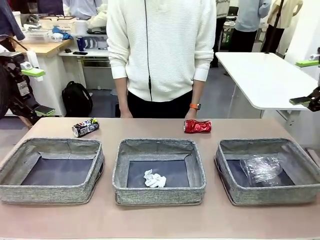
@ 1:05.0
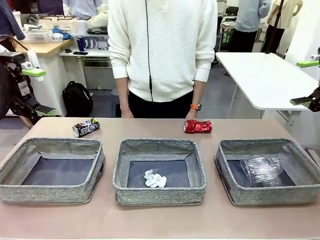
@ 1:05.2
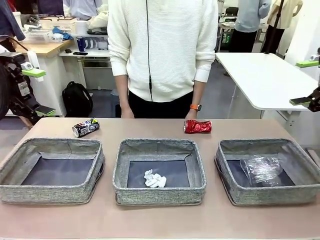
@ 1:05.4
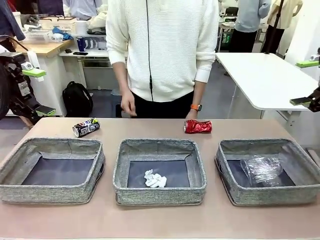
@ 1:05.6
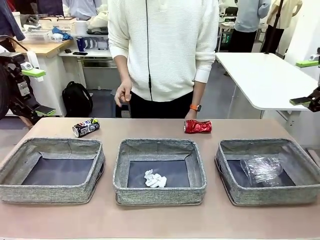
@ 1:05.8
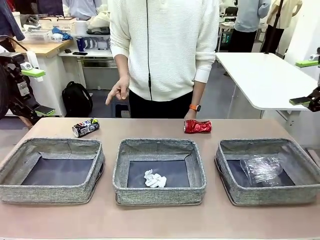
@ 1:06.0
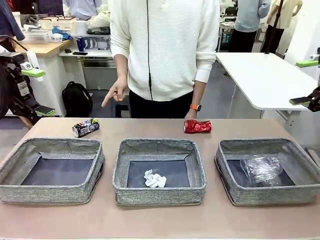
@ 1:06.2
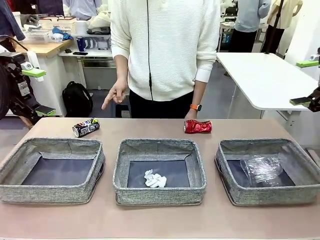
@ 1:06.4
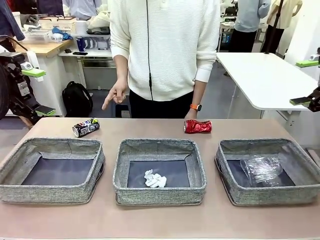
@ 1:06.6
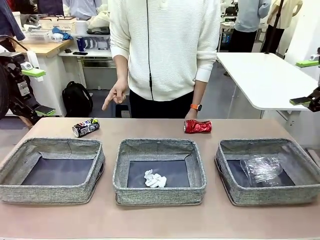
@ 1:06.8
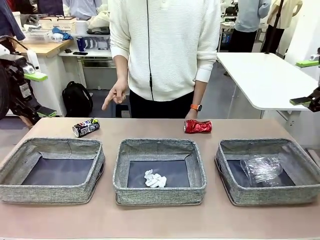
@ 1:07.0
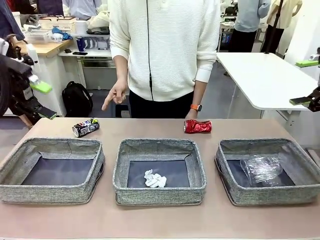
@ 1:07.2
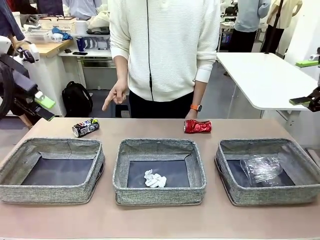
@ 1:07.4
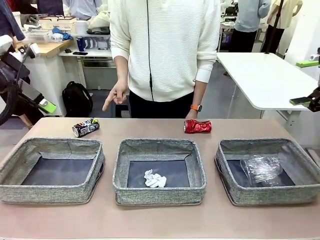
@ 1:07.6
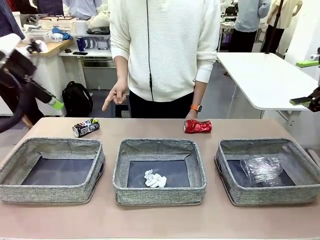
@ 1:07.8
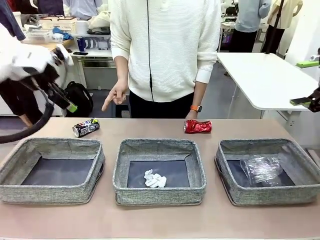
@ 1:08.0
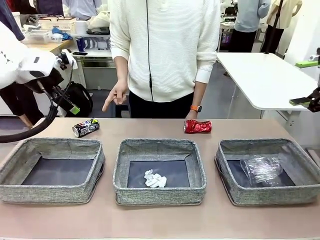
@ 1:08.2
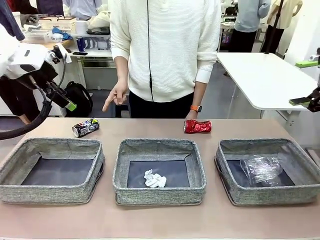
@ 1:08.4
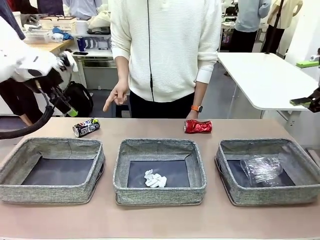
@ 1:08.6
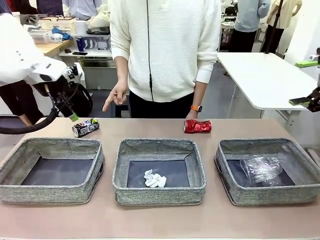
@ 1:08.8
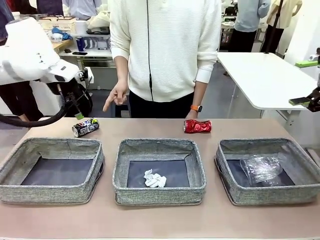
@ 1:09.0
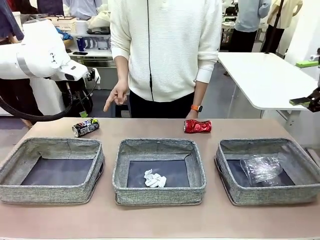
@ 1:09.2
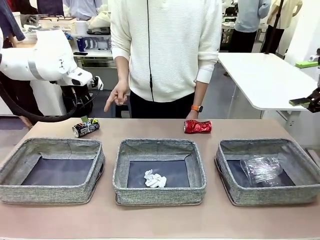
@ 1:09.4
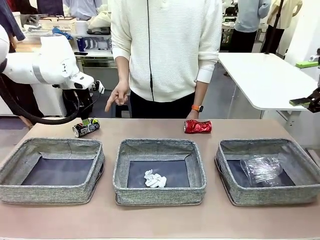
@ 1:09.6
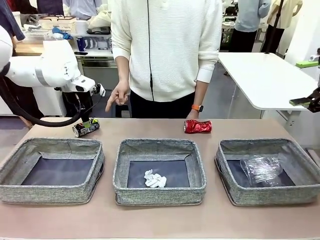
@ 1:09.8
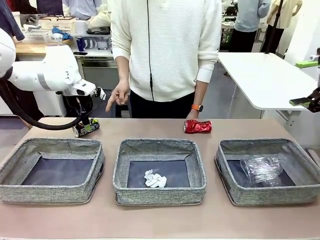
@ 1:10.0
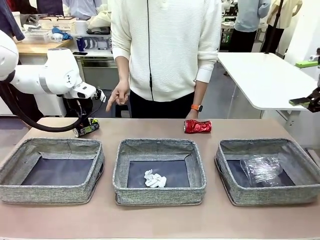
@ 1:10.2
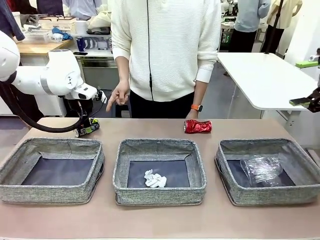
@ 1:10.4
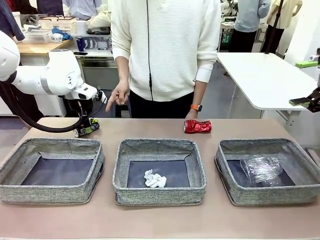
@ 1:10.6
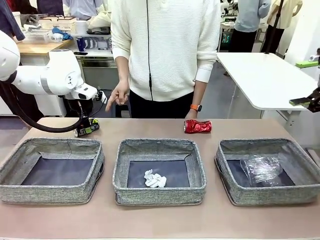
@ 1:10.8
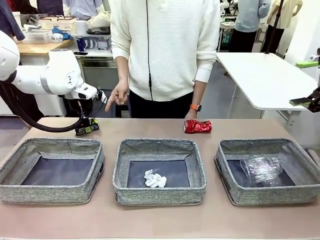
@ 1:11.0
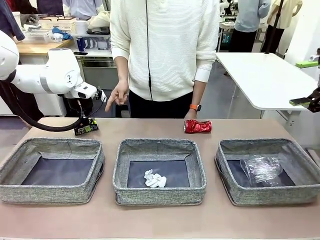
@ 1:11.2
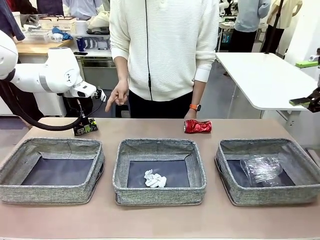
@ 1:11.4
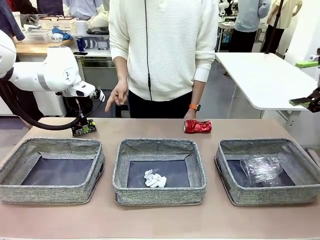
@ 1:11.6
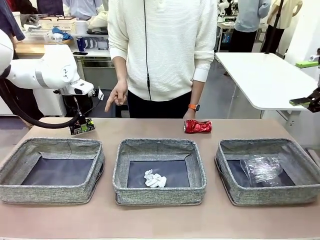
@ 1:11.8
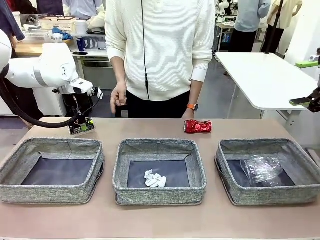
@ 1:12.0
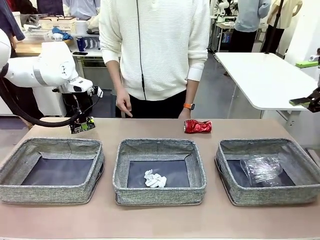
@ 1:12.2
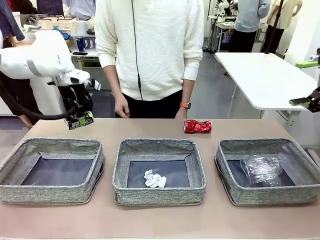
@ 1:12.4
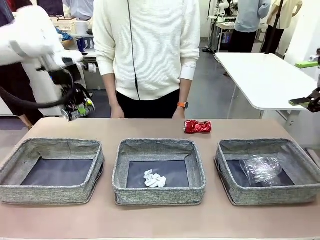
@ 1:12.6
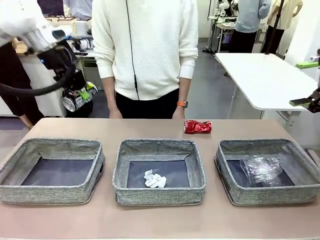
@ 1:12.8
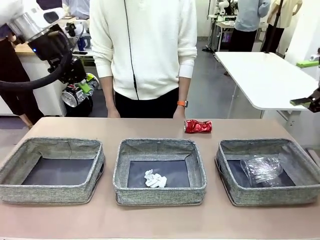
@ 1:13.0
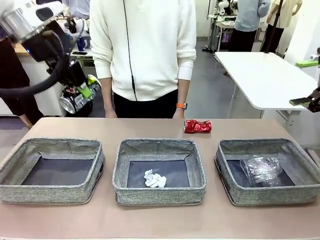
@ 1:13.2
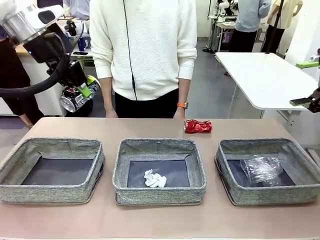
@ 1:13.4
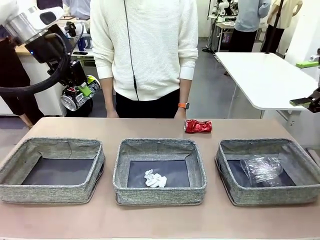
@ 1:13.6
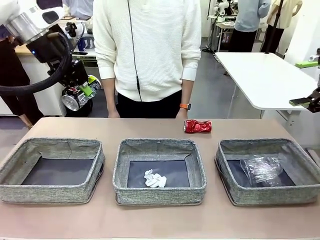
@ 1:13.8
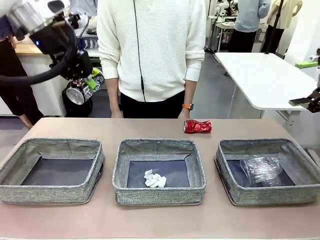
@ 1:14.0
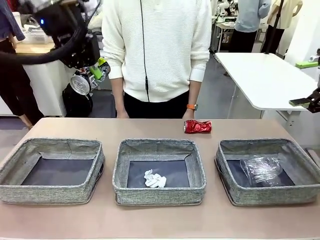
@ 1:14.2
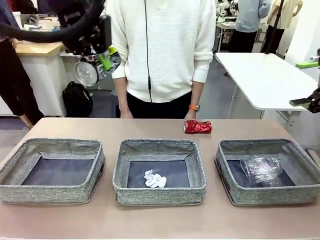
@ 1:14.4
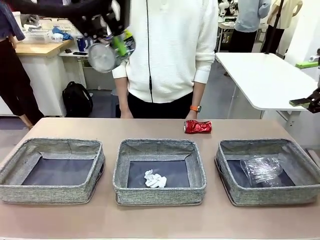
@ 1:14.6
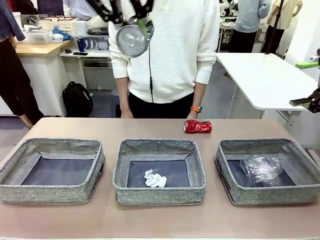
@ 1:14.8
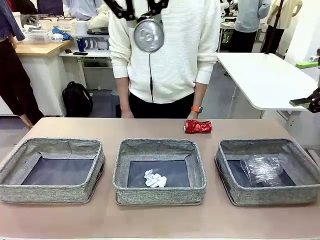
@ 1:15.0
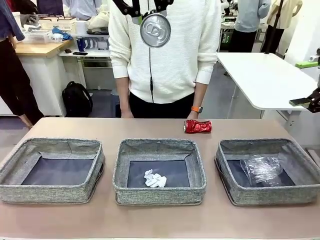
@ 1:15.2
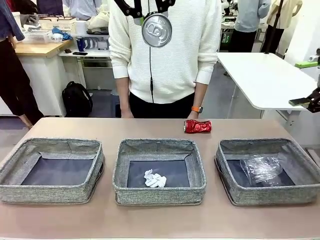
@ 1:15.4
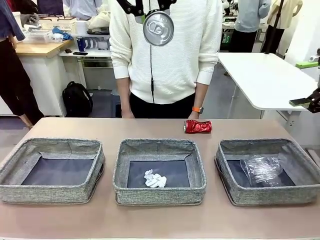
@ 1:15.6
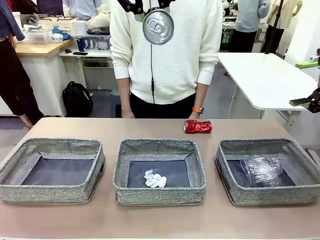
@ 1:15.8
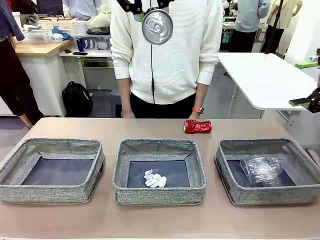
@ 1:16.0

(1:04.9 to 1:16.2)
Task: Sort the waste into the appropriate baskets.
Robot: Pick up the waste item pointed out by the person.
Person: Points to one piece of trash on the table.

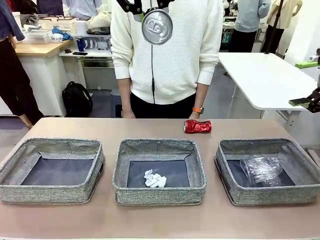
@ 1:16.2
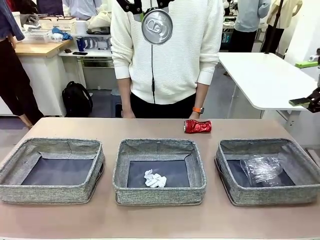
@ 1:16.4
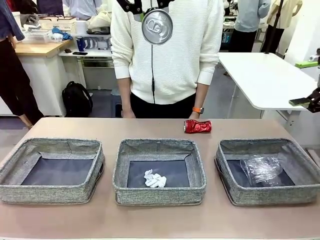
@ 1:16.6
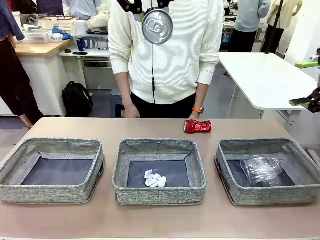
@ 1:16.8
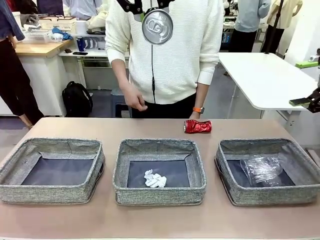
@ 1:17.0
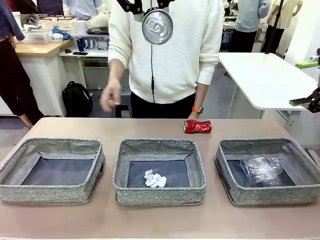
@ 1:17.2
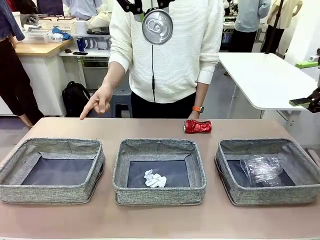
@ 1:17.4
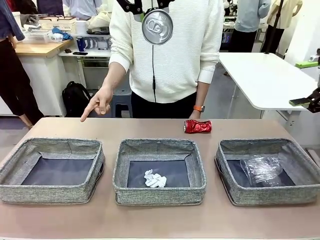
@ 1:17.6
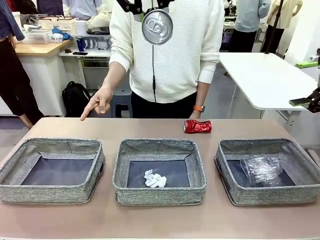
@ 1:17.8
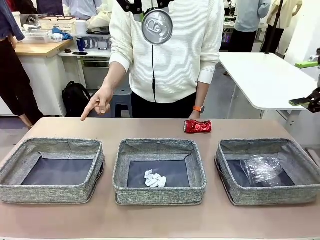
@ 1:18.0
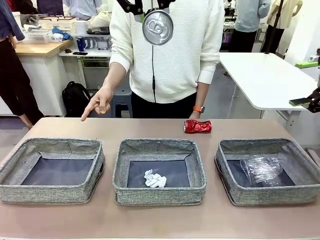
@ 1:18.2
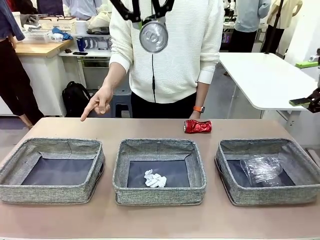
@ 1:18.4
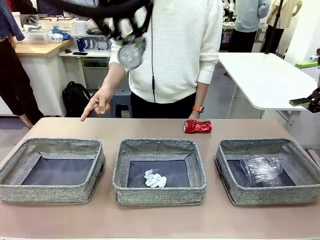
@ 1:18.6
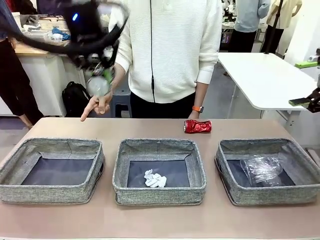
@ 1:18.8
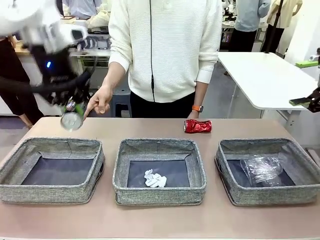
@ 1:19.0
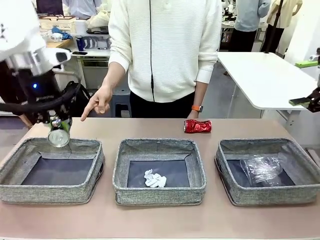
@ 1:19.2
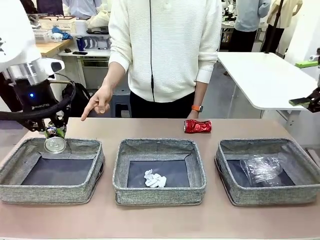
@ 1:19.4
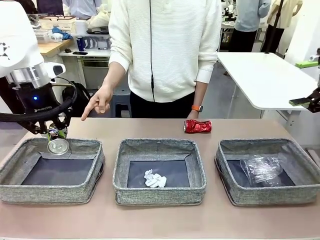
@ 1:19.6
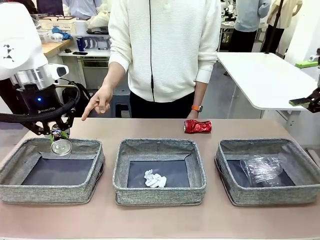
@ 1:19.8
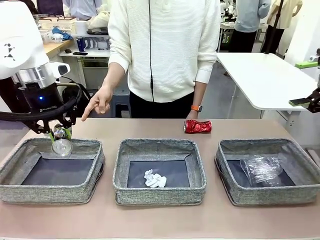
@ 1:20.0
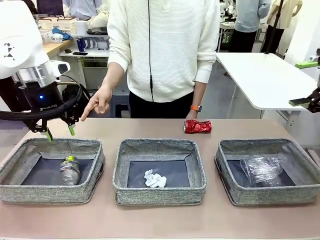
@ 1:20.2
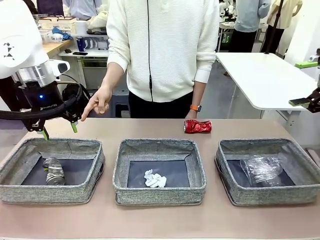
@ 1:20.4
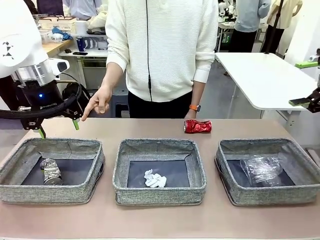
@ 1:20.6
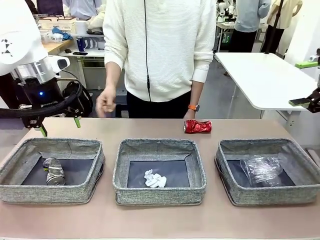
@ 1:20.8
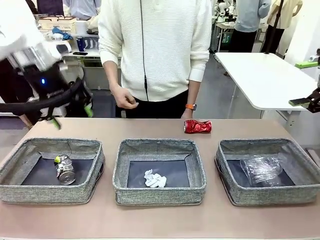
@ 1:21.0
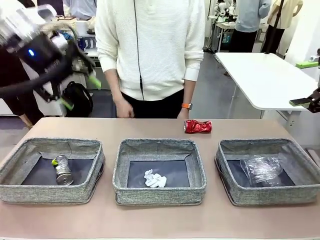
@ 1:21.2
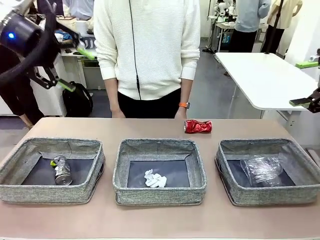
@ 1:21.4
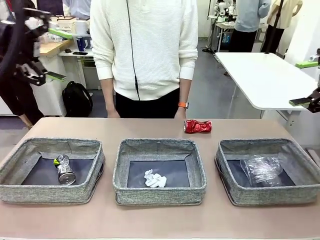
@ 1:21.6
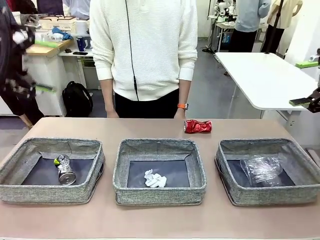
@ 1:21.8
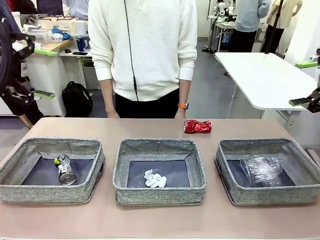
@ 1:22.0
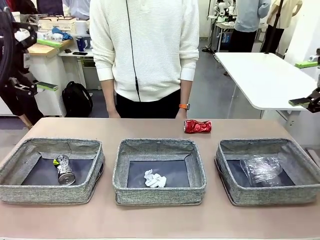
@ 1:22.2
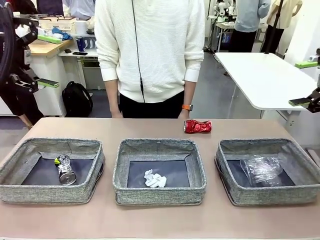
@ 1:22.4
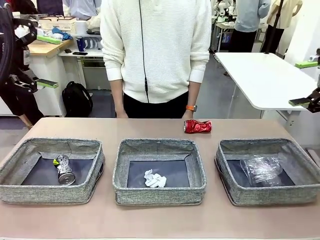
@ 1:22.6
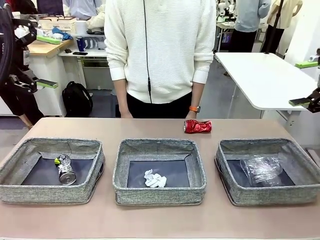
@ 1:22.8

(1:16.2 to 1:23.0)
Robot: Place the picked waste into the Fabric basket indicated by the person.
Person: Instructs the robot to place the picked-up trash into the appropriate organizing basket.
